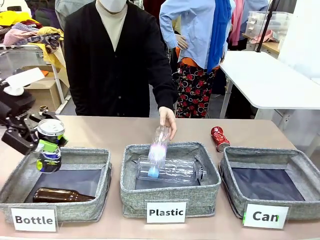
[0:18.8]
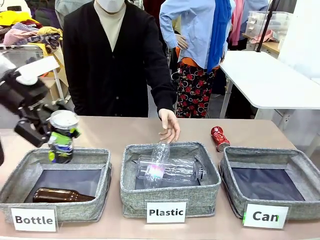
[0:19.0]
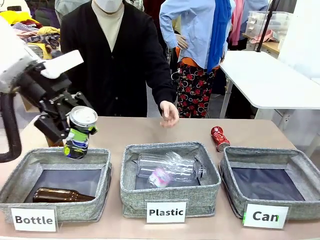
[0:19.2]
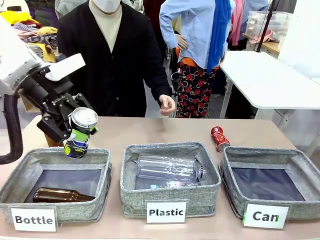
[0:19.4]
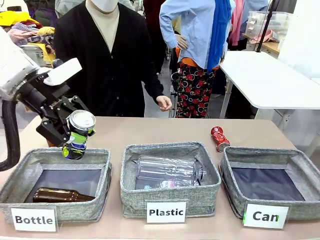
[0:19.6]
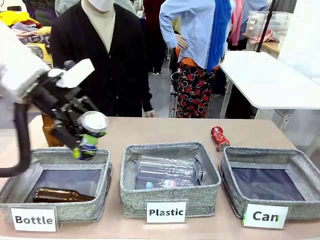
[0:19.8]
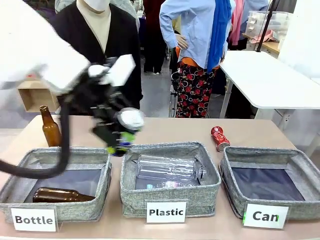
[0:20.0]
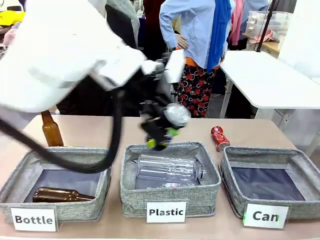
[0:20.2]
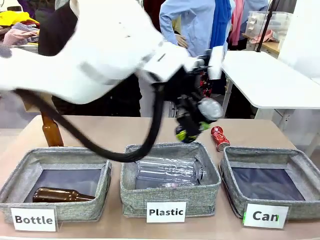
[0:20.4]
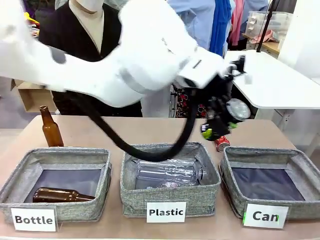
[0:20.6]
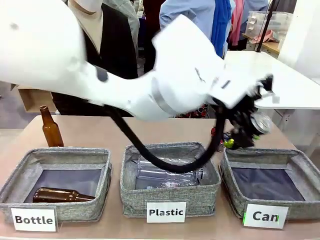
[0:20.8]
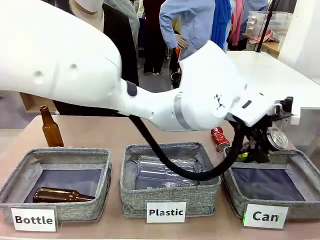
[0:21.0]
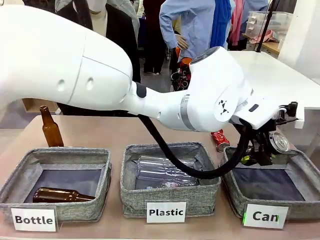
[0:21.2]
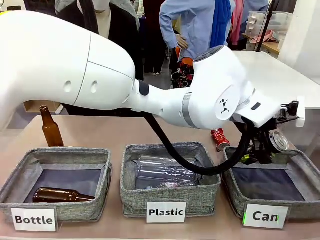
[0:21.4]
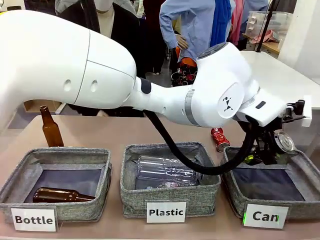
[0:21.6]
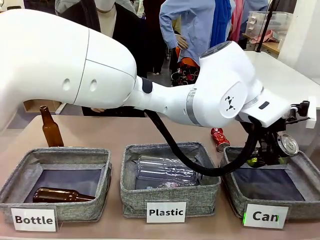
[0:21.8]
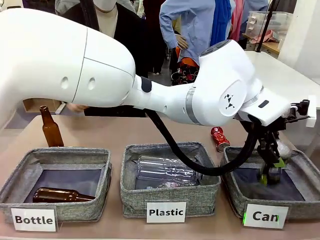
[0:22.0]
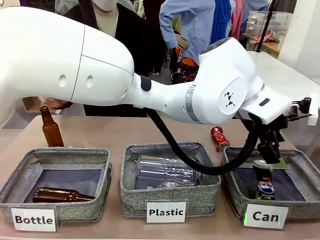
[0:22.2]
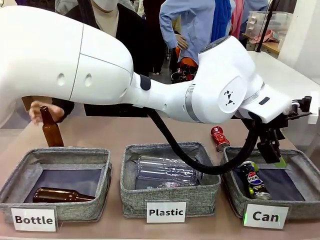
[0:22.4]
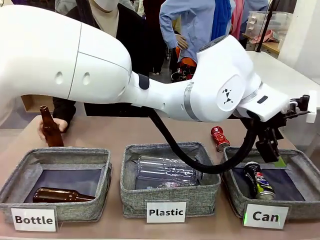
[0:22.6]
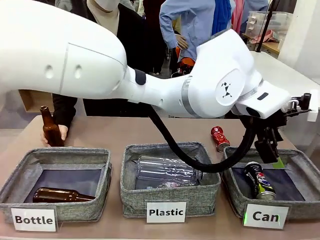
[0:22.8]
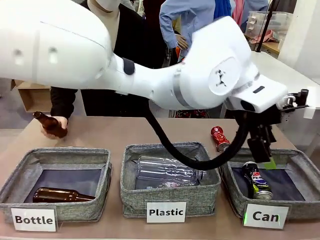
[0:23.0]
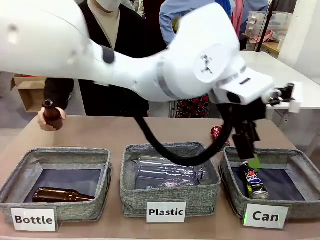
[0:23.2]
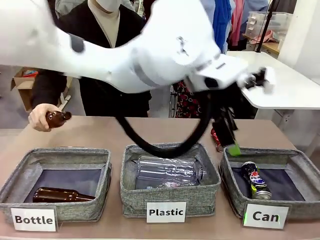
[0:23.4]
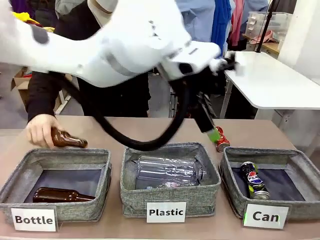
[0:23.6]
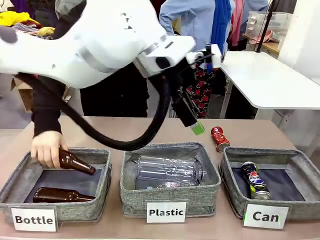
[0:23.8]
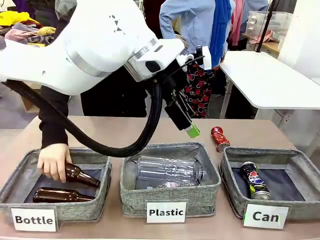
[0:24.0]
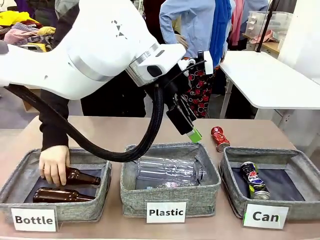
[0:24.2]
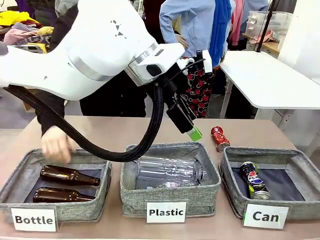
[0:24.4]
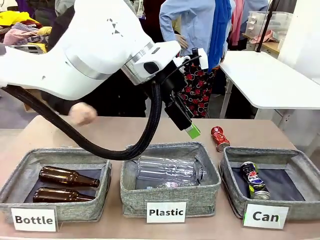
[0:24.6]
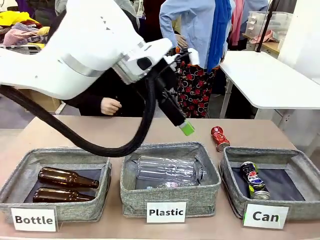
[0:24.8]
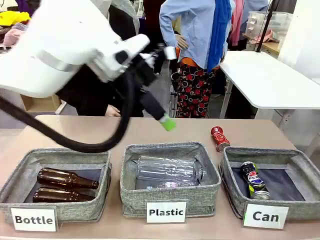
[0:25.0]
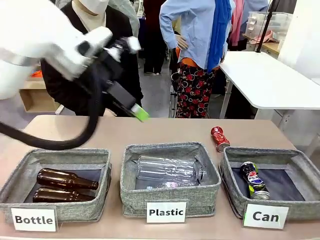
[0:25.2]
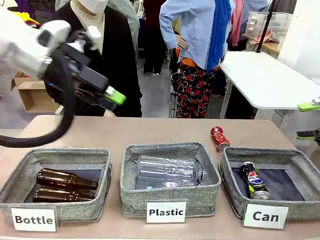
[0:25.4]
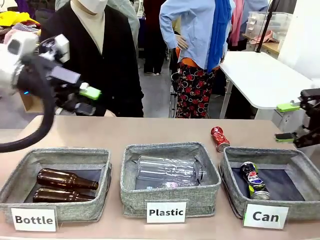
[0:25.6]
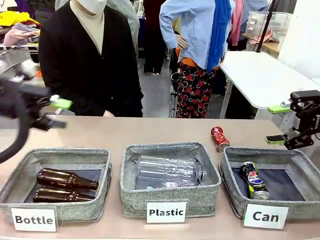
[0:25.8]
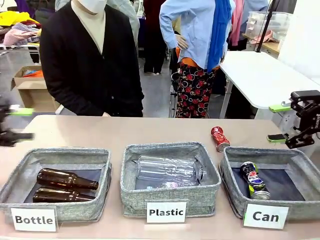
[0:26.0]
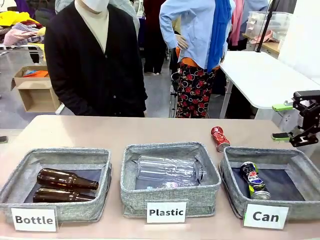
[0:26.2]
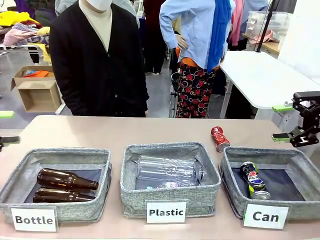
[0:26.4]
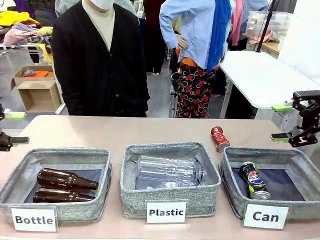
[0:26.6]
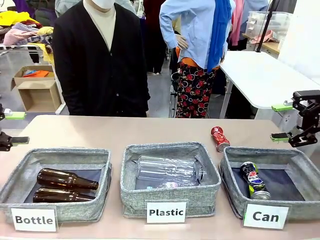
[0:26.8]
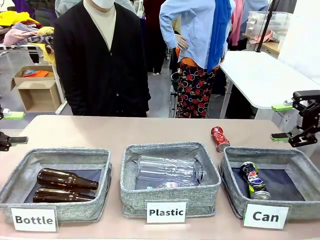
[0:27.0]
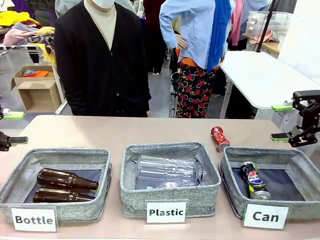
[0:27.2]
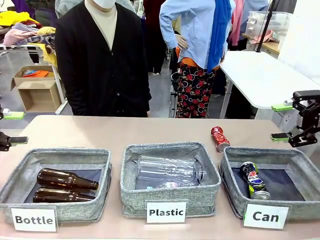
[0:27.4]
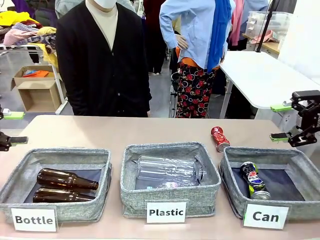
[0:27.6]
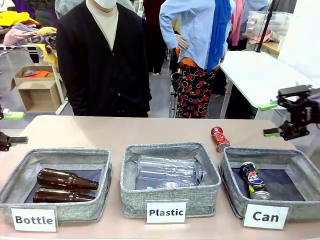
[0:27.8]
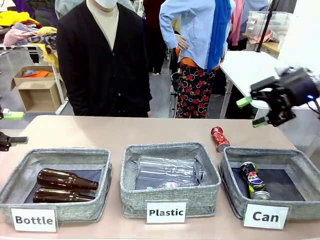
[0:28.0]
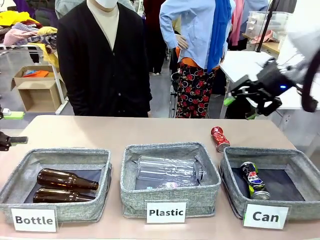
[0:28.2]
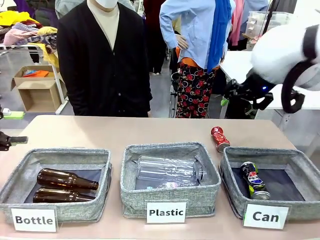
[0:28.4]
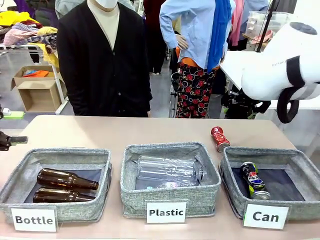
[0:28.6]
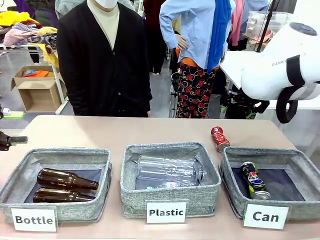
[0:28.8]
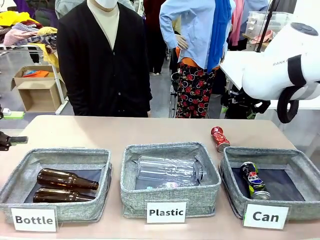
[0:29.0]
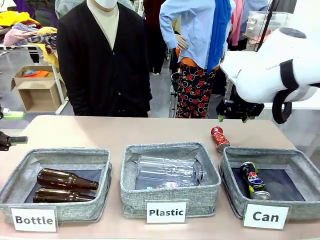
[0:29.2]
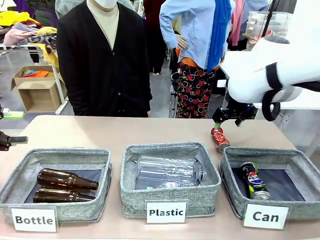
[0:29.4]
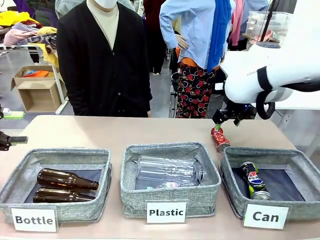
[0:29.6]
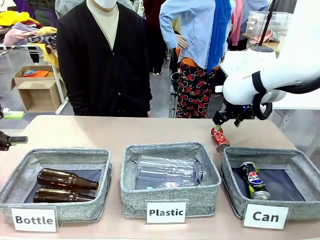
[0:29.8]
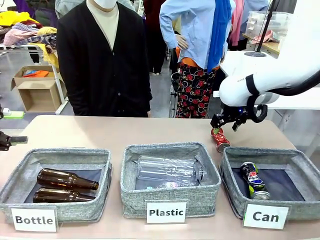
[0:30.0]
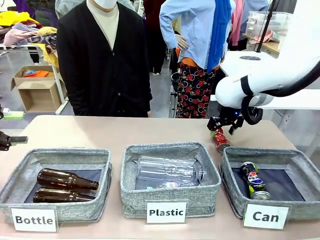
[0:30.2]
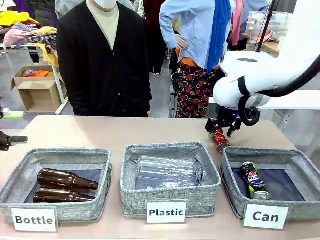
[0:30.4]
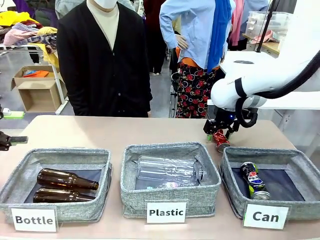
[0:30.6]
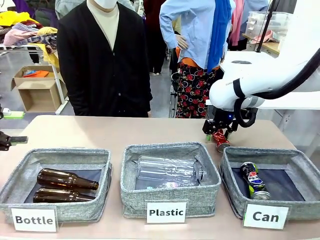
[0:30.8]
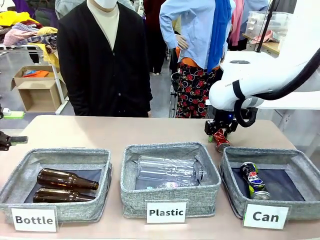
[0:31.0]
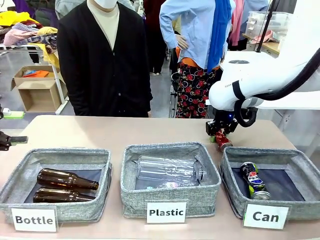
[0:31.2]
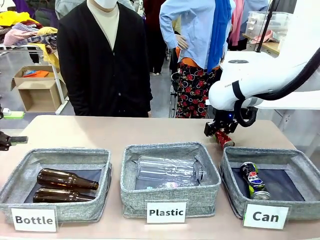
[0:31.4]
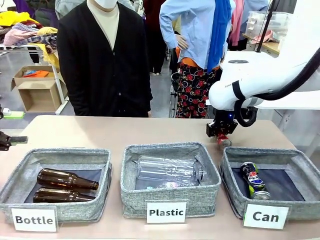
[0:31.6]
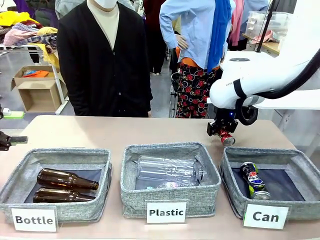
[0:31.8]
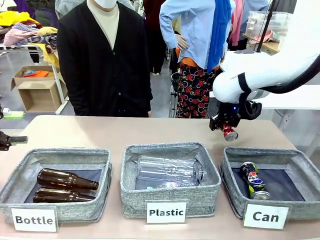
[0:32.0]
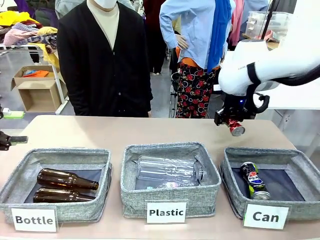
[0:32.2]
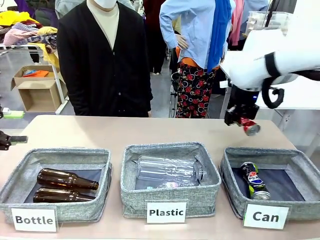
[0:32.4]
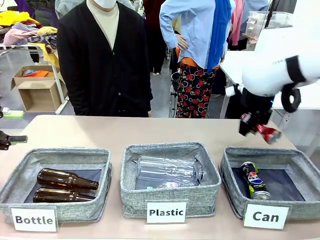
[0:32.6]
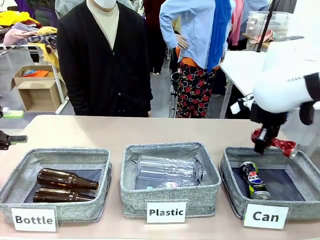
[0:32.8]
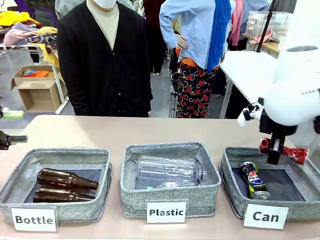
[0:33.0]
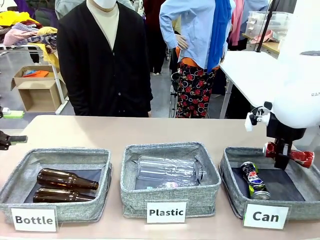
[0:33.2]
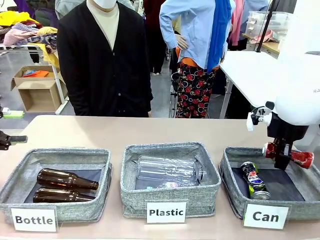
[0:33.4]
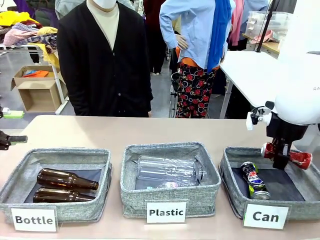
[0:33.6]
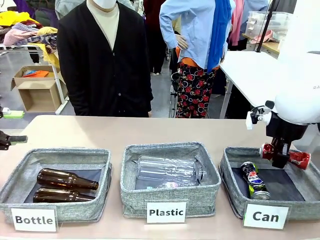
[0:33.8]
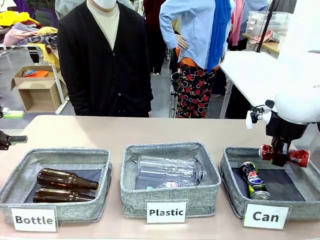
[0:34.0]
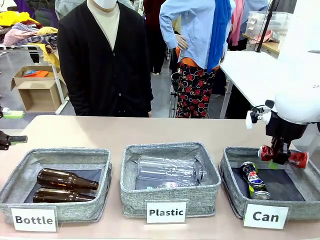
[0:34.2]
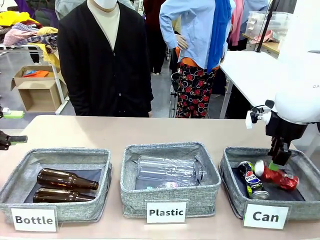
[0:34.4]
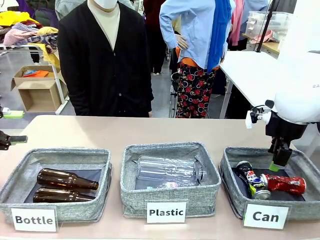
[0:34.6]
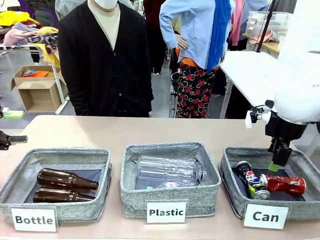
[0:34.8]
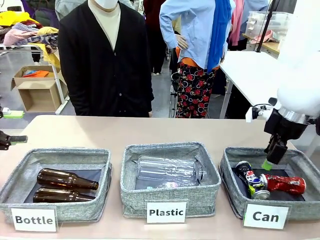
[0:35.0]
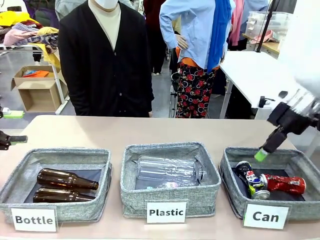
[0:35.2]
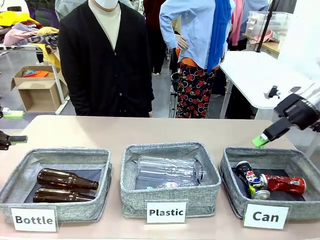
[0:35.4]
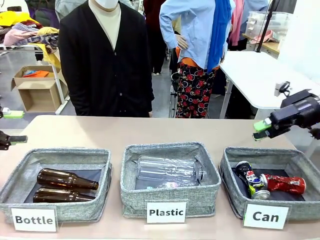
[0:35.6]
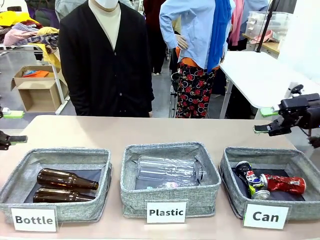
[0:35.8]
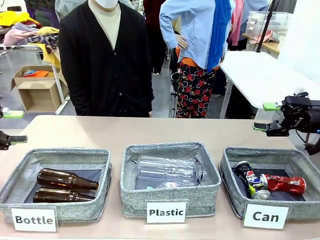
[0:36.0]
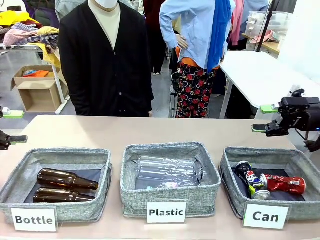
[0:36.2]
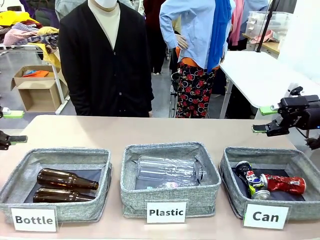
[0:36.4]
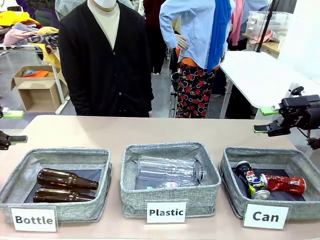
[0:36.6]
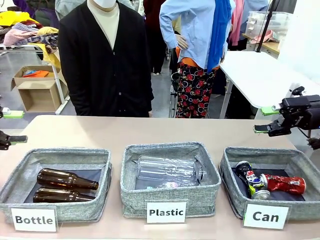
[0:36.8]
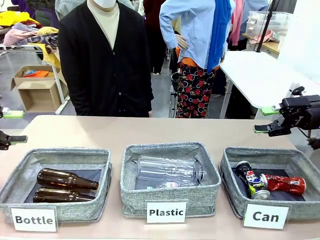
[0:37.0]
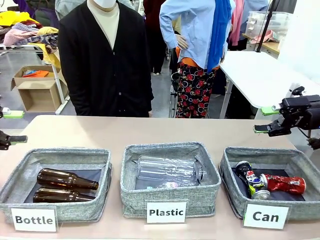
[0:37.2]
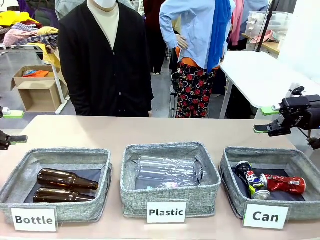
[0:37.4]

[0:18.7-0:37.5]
Task: Sort the can waste into the basket.
Robot: Pick up the can waste from the table and place it in the right Fabric basket.
Person: The human picks up one piece of trash that is not a can and places the trash into the appropriate organizing basket.
